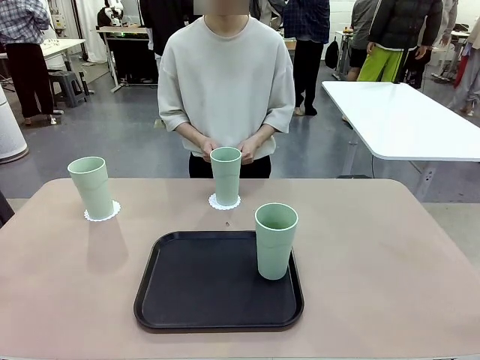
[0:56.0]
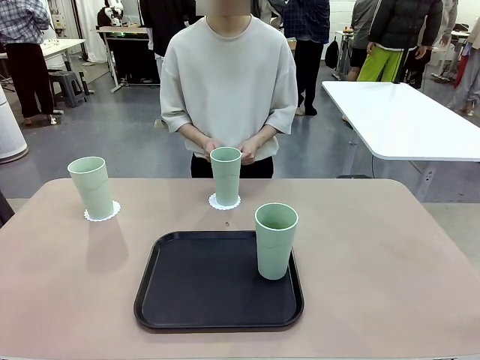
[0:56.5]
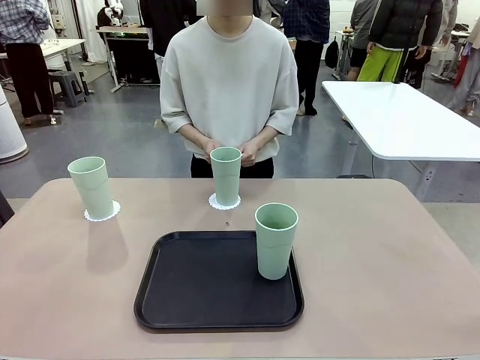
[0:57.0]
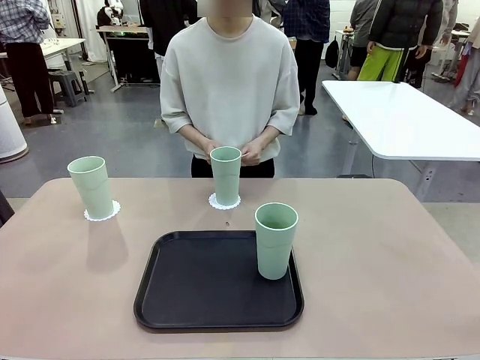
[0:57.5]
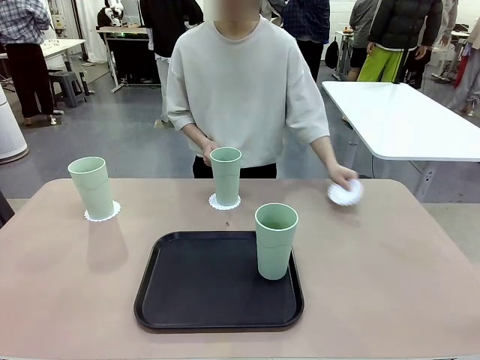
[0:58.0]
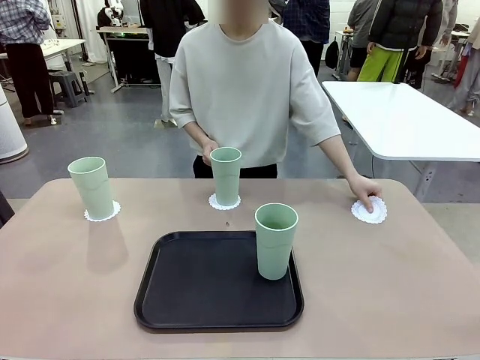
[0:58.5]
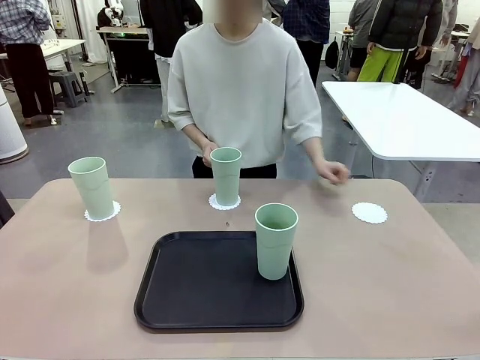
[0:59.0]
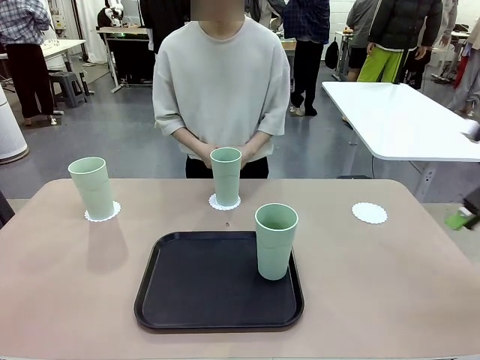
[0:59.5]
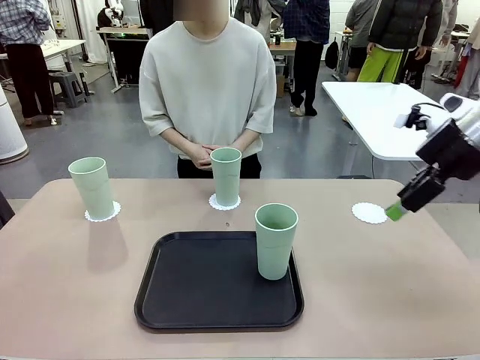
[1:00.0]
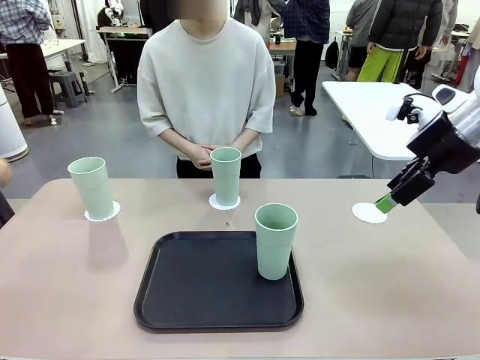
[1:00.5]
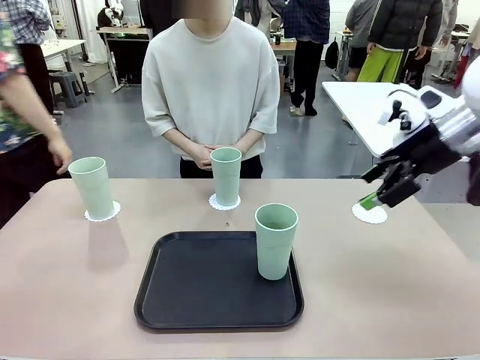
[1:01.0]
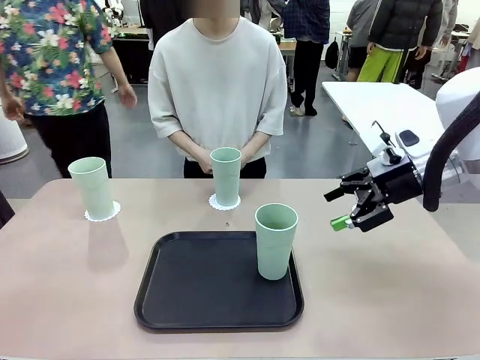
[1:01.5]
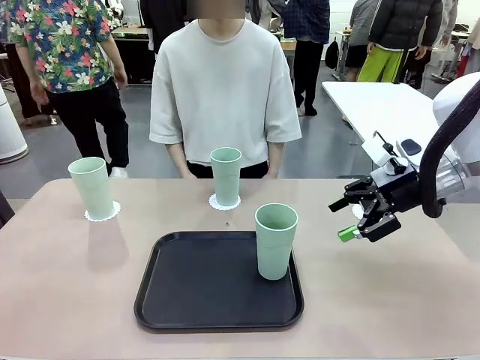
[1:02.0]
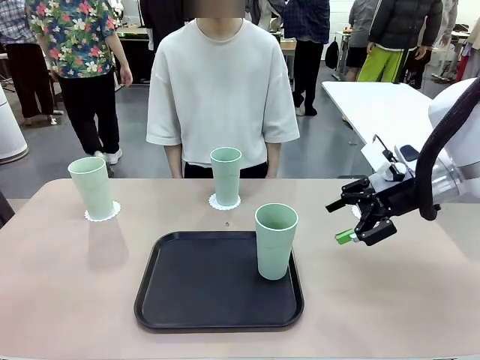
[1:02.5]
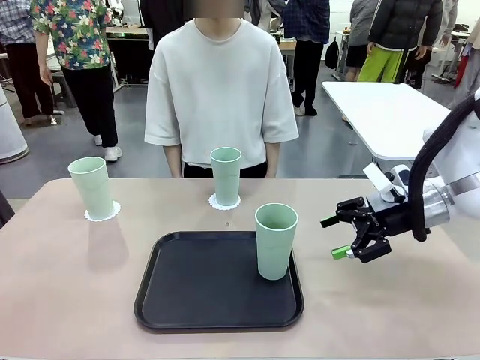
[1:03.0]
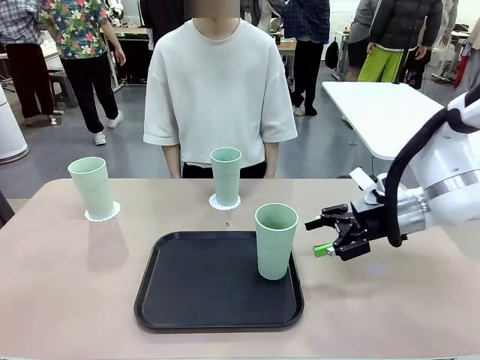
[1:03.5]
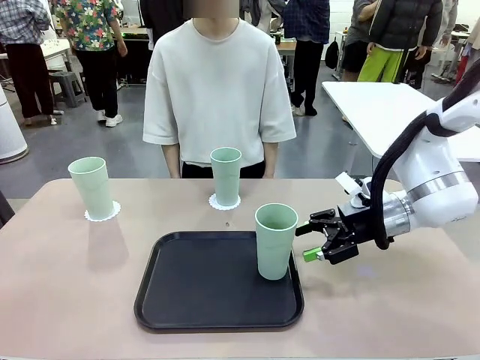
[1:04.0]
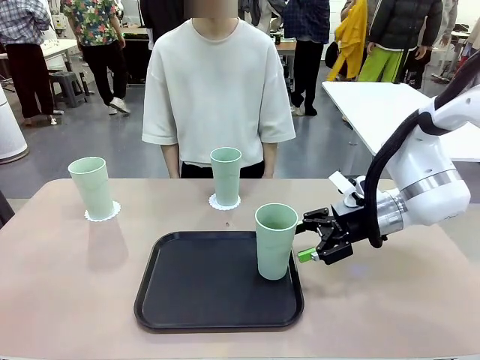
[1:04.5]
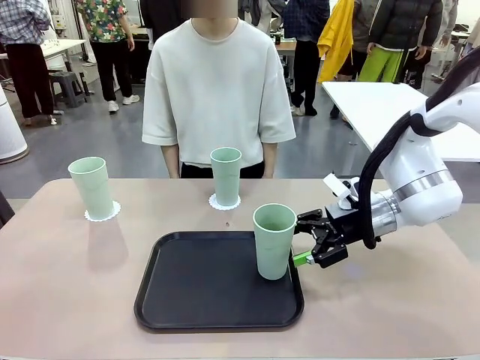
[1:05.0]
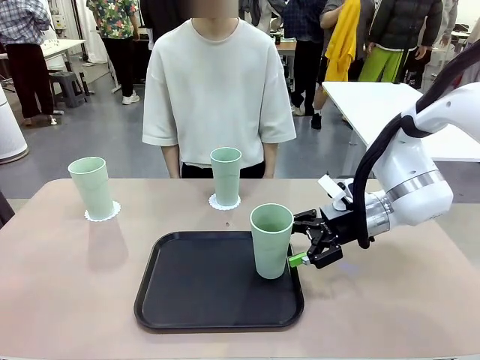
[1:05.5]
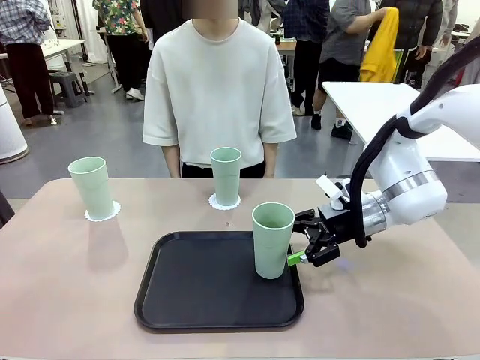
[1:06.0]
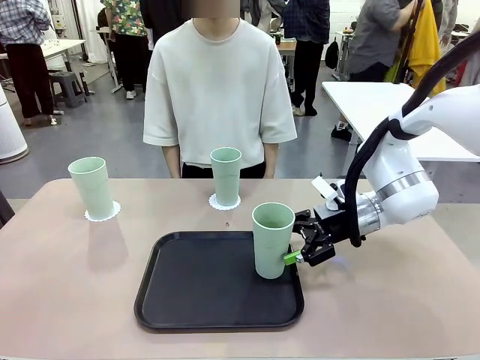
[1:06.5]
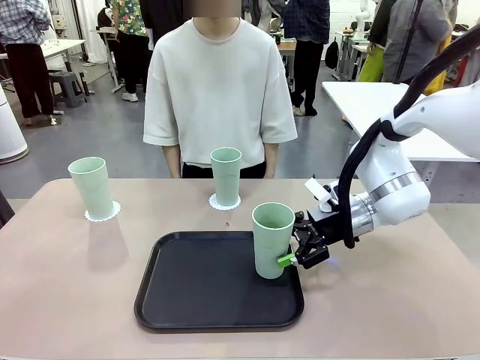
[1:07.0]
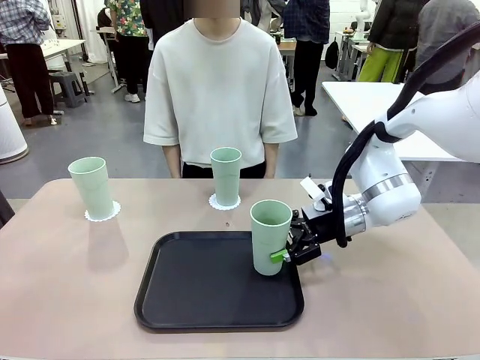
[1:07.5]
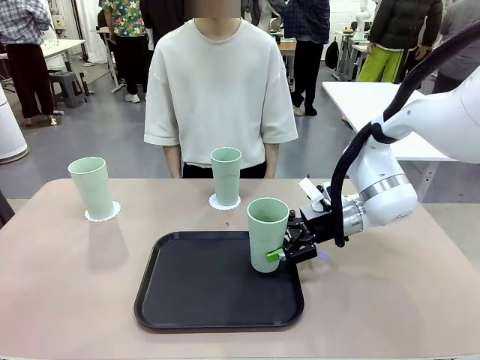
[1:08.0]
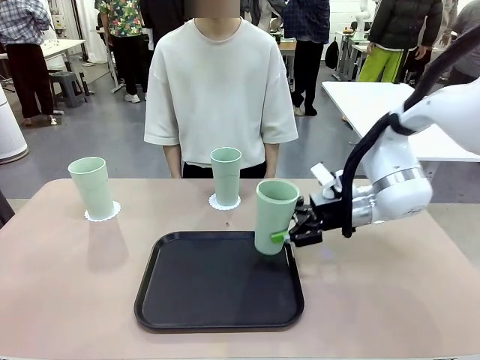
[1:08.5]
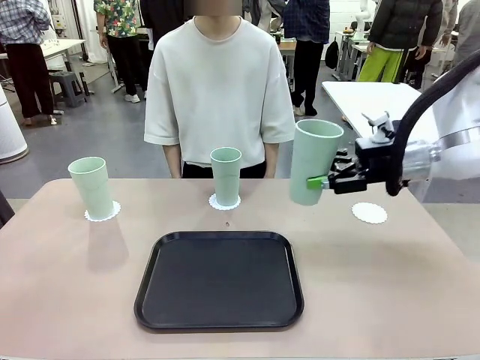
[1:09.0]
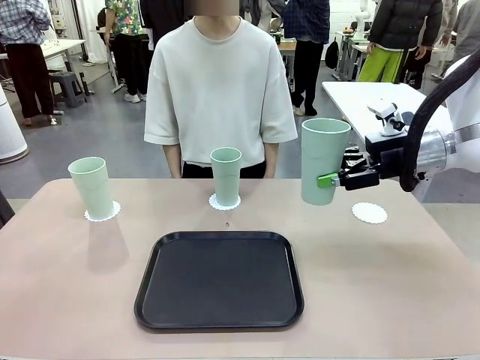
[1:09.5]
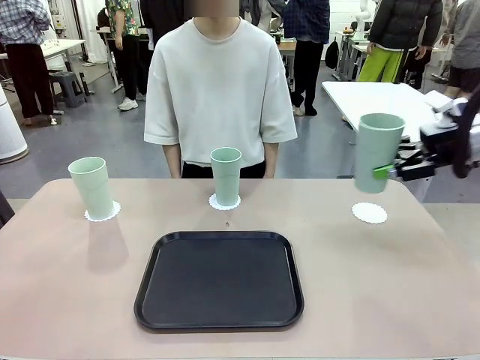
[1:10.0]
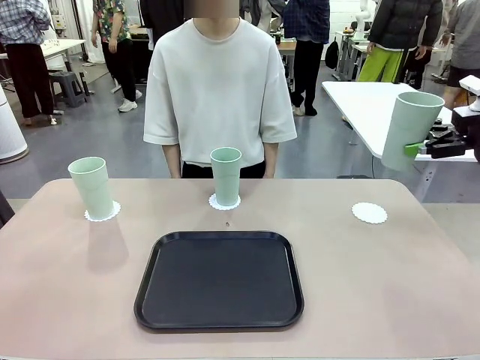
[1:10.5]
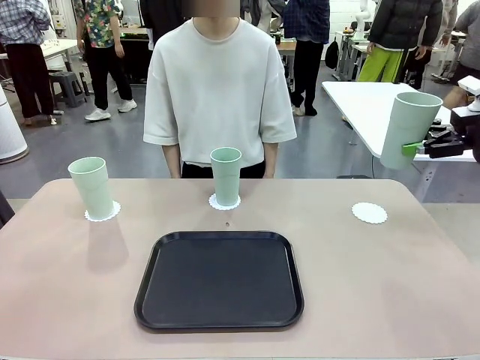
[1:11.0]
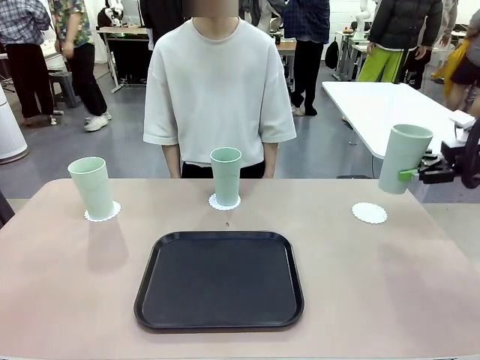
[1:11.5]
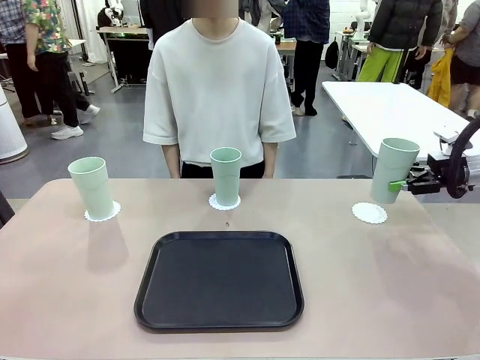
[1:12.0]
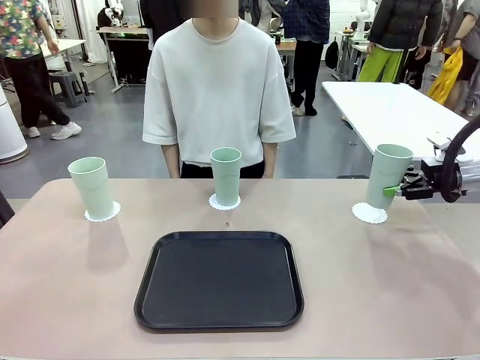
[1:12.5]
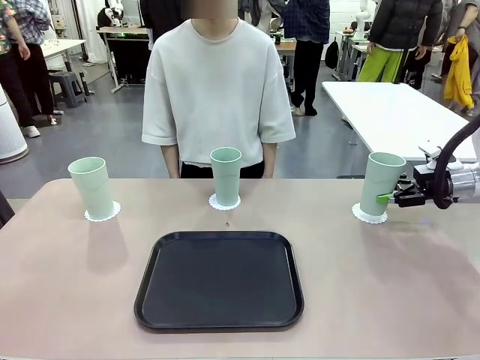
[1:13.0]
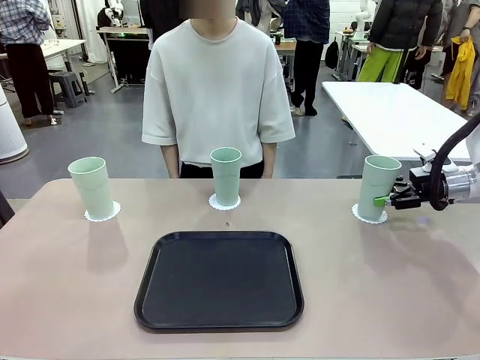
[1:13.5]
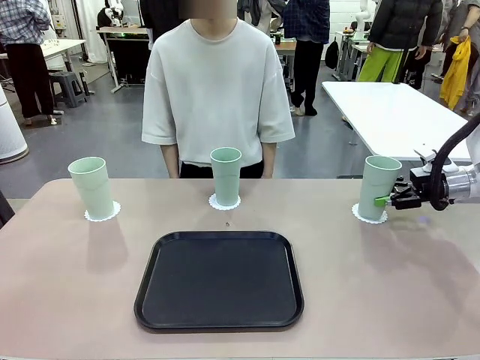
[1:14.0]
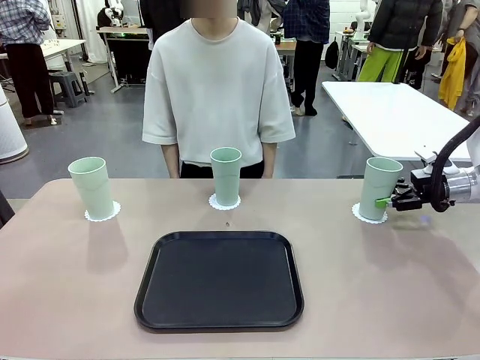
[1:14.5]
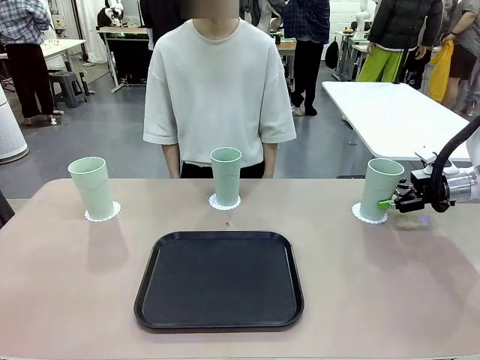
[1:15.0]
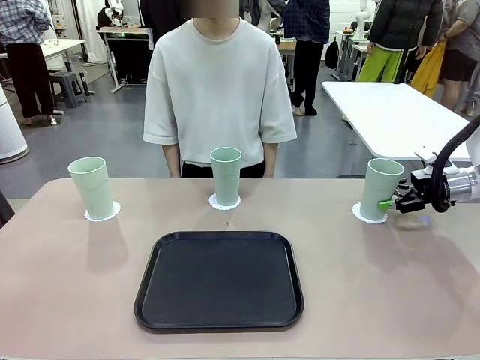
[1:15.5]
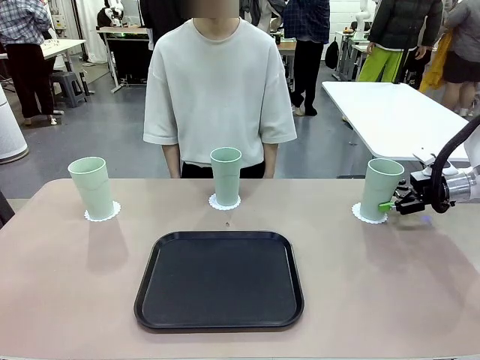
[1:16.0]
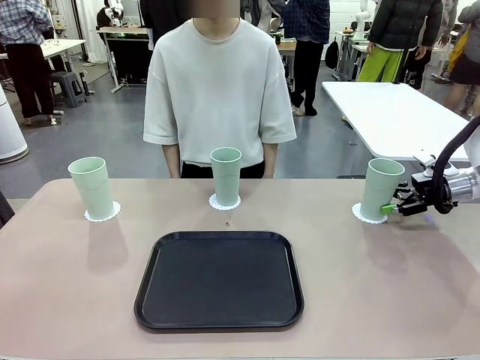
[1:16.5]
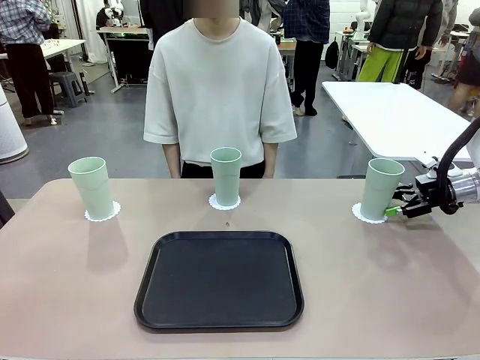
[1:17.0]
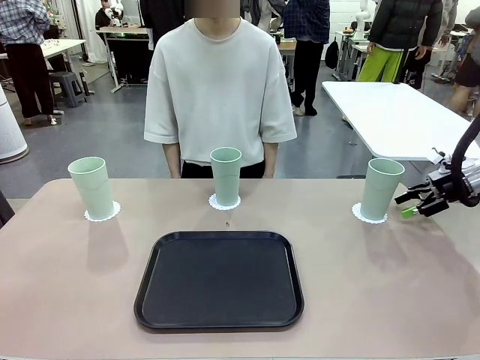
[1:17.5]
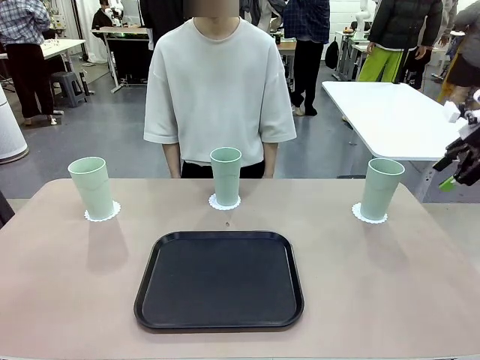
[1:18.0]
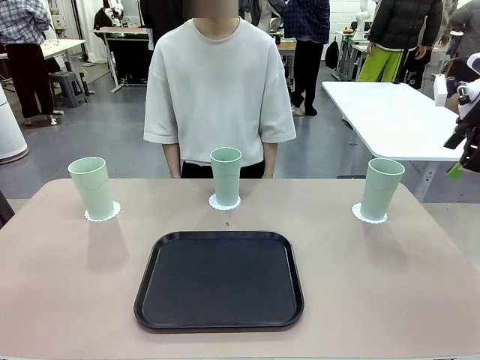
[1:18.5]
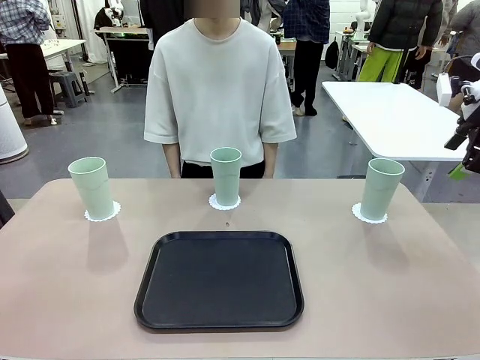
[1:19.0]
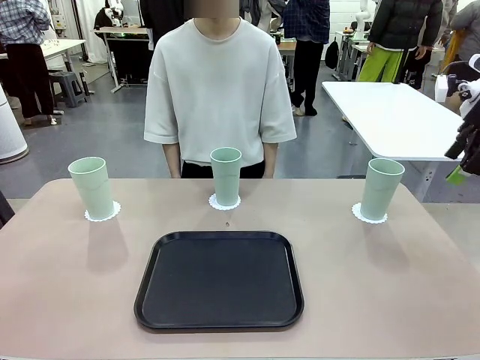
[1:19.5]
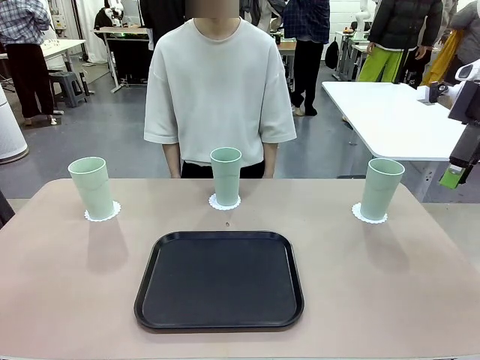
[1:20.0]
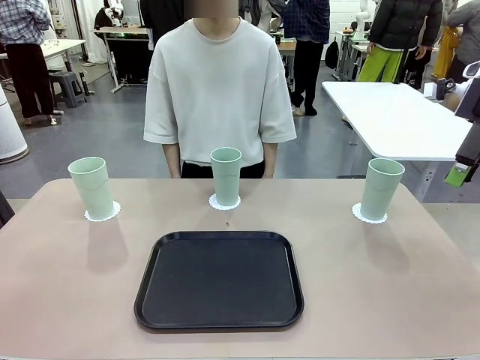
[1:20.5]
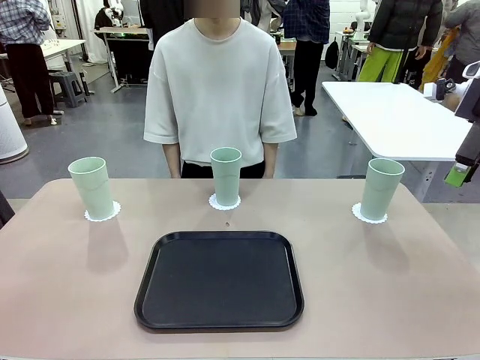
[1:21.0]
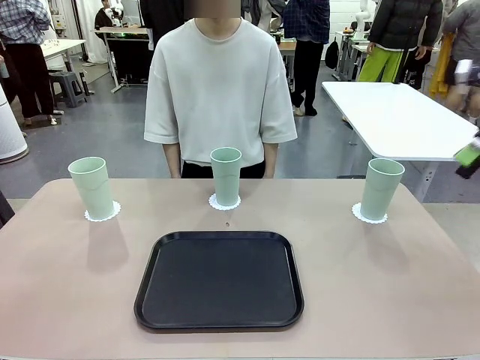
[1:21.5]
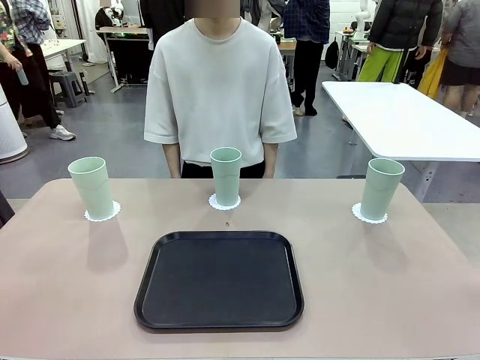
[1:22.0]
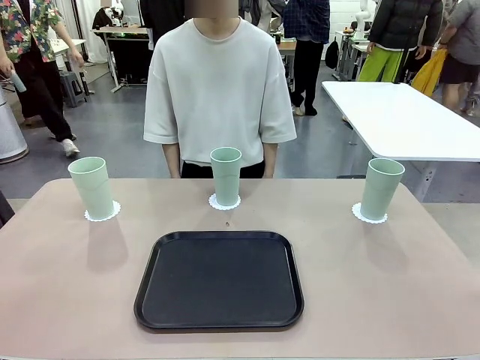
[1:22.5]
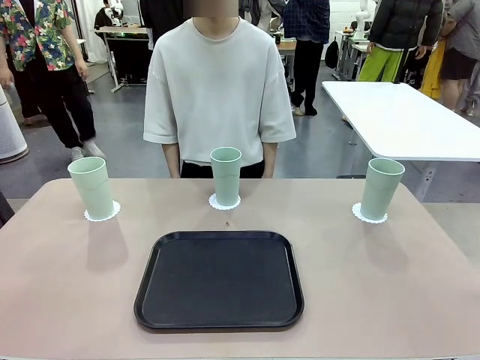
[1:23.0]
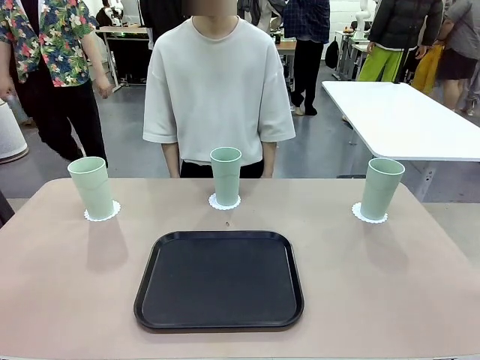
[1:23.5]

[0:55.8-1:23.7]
Task: Place coasters on the table and set cups on them.
Robot: Take one Reusable plastic cup from the Flat Tray and place it on a coaster set by the human.
Person: Place one coaster in the only remaining area.
